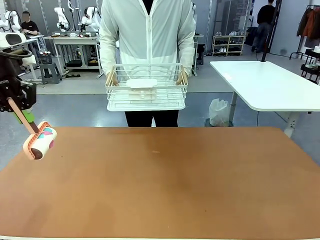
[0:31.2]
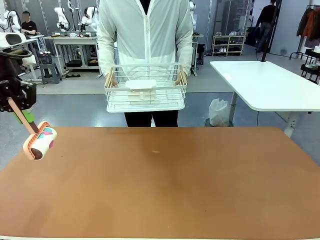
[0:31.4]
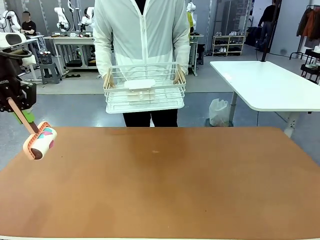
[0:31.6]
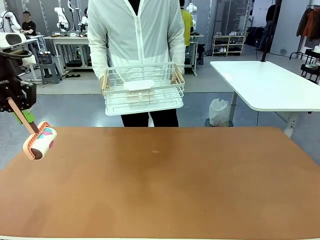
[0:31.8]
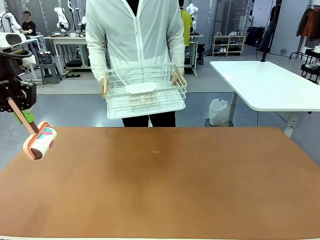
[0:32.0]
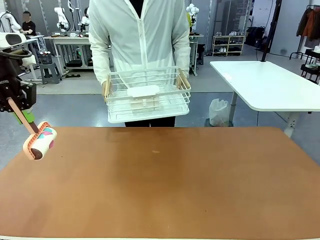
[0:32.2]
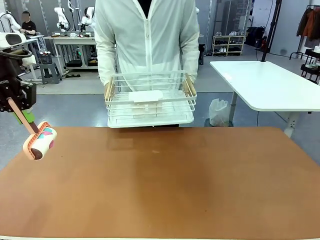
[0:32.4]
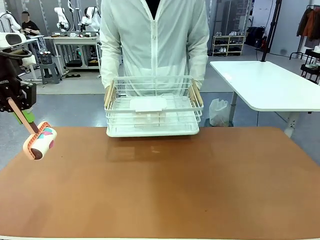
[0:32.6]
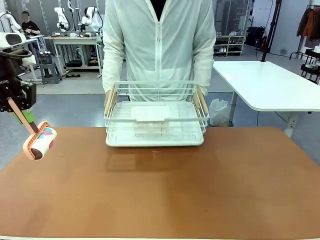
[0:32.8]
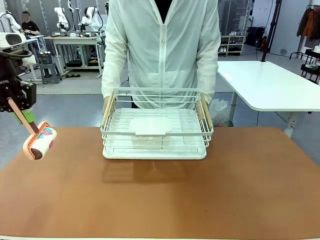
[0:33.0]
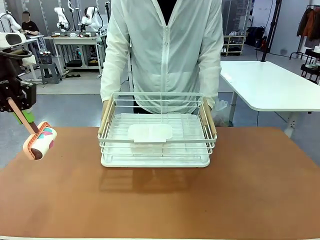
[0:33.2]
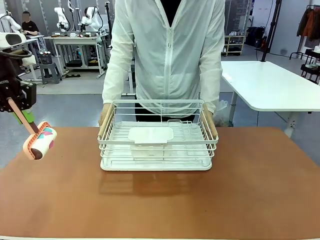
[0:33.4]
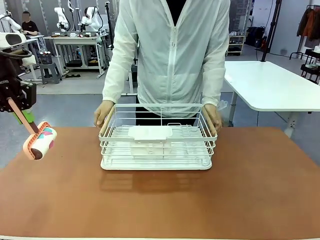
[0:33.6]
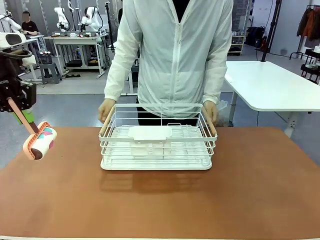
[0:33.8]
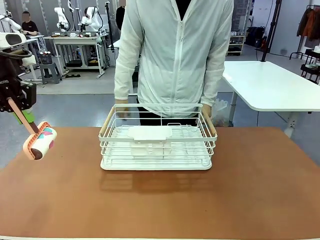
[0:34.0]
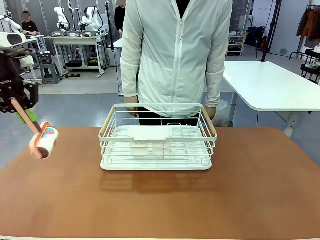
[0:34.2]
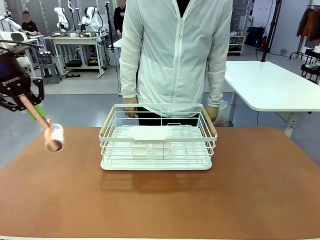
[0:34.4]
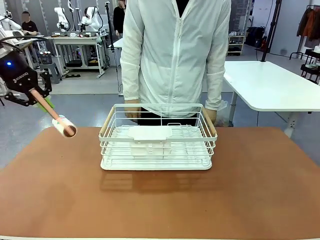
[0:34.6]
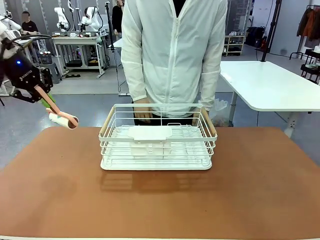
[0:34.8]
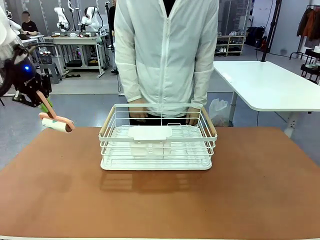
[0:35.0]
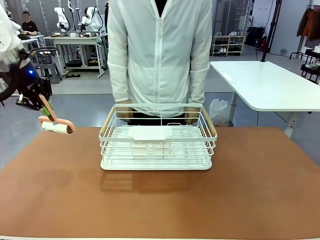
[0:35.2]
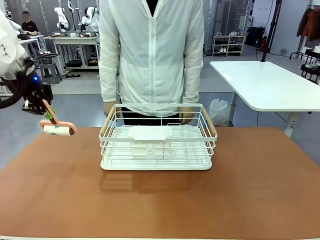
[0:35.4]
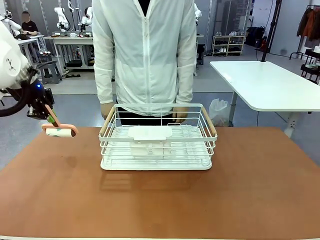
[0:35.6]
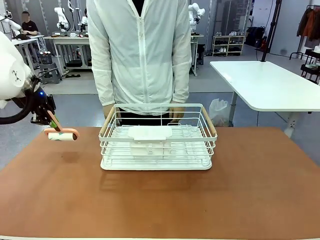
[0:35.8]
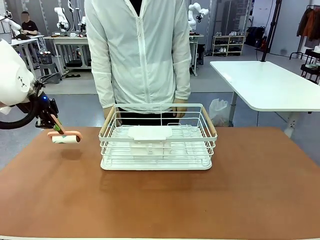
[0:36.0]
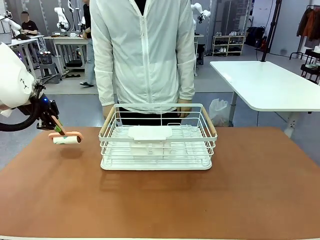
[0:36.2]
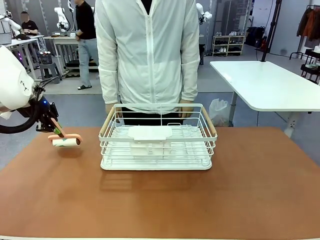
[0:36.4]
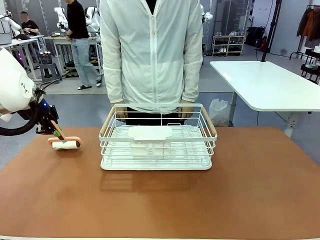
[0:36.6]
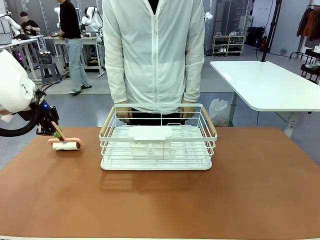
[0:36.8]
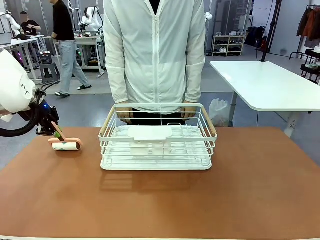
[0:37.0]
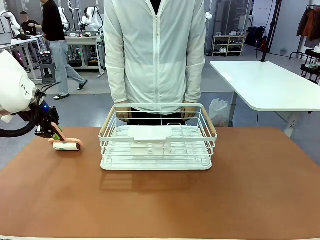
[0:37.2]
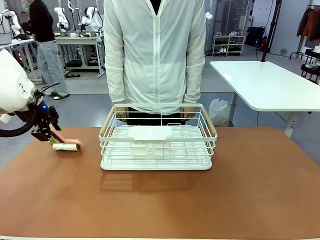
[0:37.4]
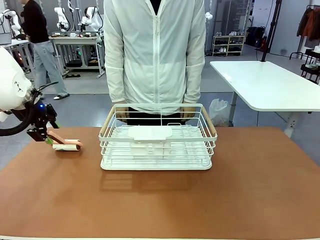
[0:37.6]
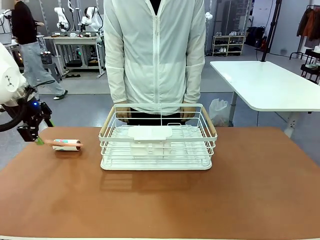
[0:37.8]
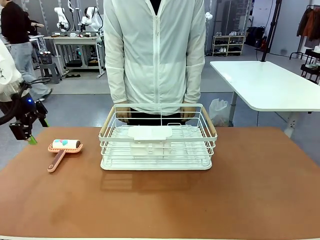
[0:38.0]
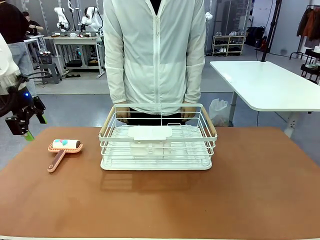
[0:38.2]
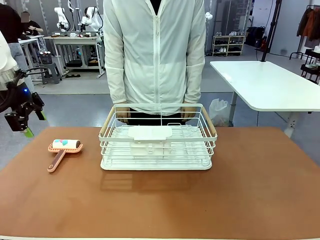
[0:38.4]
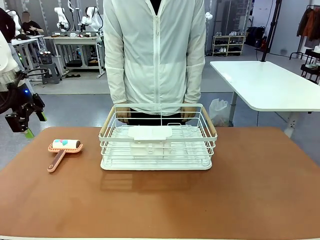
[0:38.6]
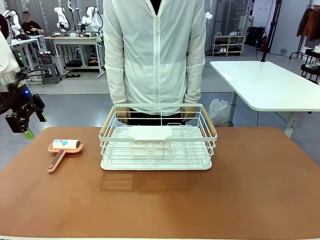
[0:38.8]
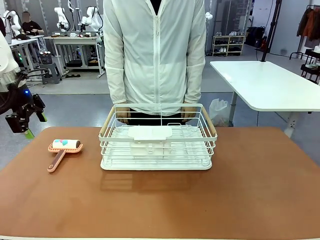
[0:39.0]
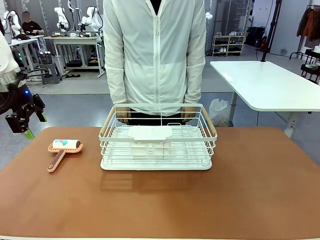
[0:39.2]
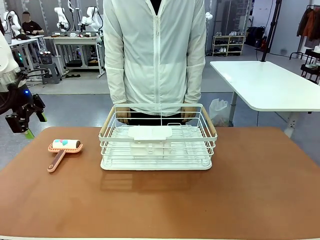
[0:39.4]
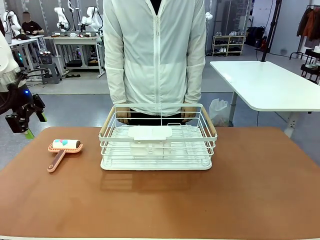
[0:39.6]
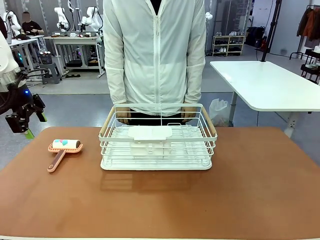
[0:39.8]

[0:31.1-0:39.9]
Task: Clean the table.
Robot: Place the Lint Roller down when the Dish drying rack is positioned in the middle of the table.

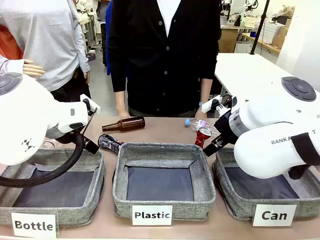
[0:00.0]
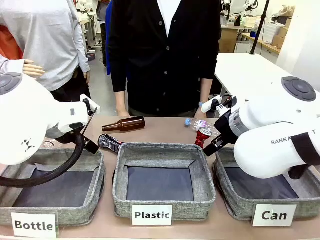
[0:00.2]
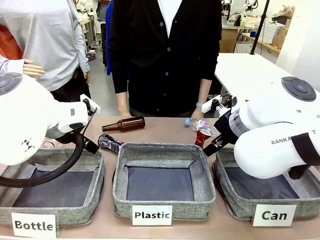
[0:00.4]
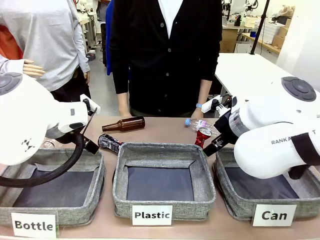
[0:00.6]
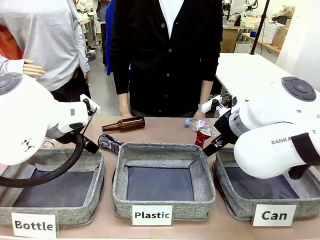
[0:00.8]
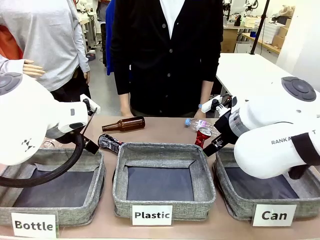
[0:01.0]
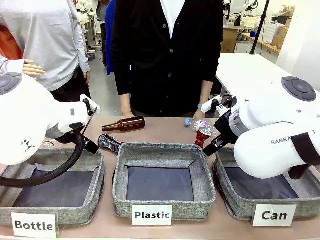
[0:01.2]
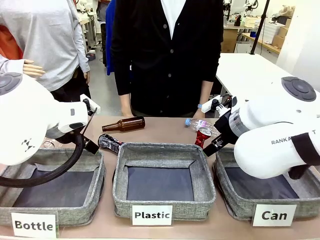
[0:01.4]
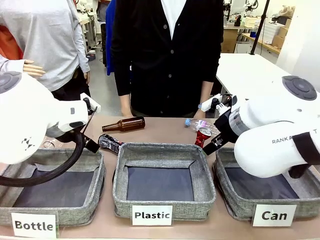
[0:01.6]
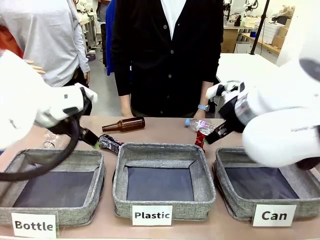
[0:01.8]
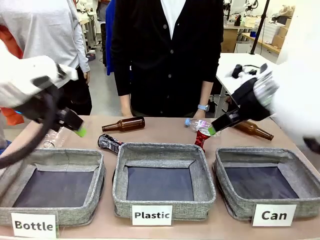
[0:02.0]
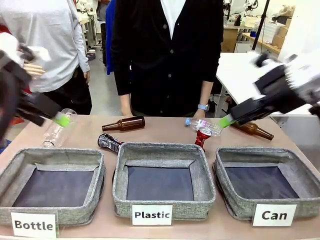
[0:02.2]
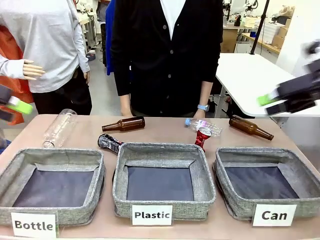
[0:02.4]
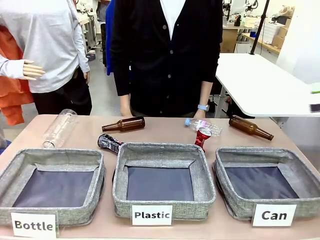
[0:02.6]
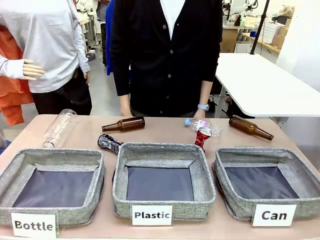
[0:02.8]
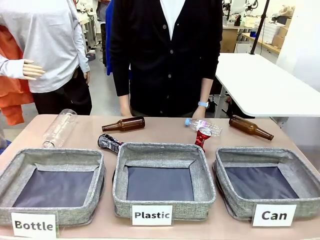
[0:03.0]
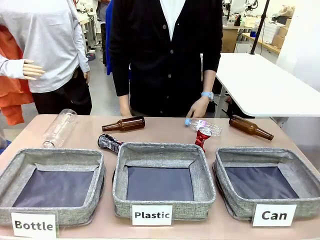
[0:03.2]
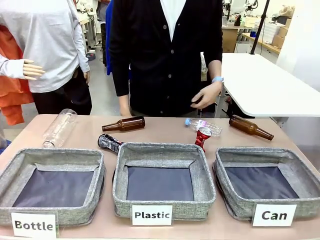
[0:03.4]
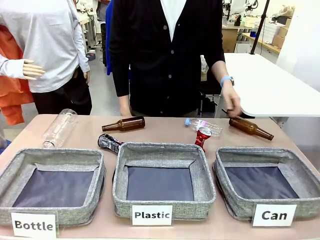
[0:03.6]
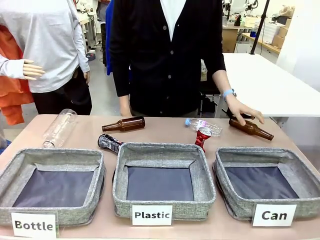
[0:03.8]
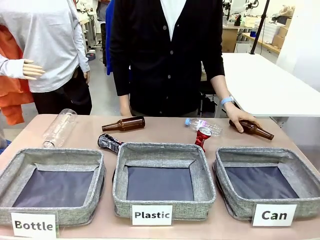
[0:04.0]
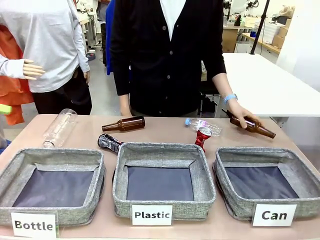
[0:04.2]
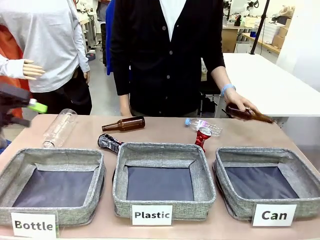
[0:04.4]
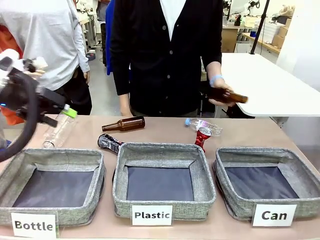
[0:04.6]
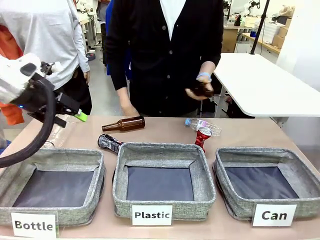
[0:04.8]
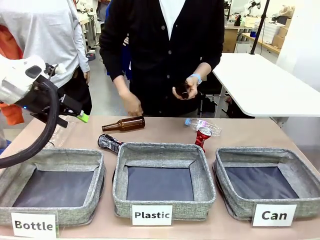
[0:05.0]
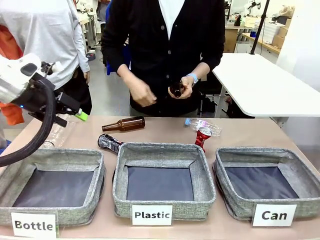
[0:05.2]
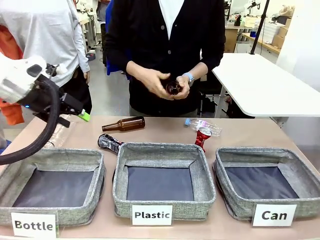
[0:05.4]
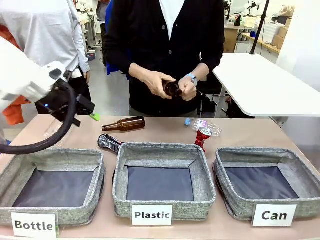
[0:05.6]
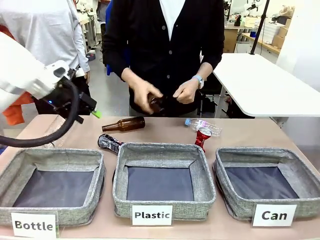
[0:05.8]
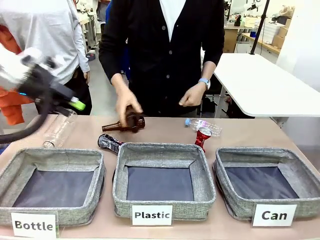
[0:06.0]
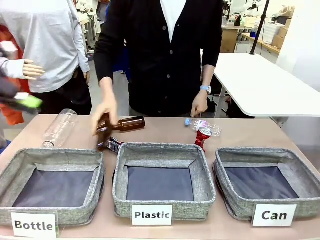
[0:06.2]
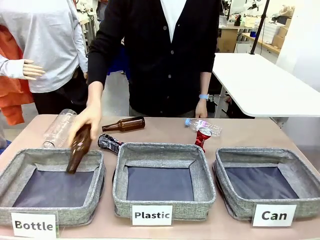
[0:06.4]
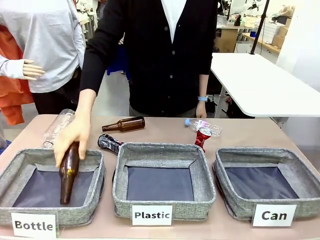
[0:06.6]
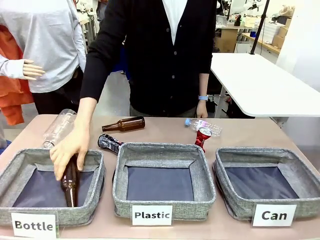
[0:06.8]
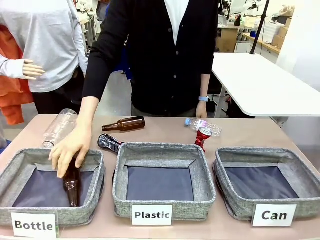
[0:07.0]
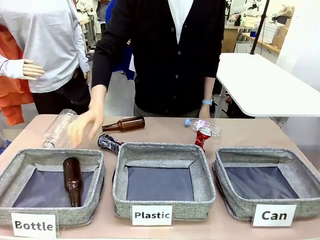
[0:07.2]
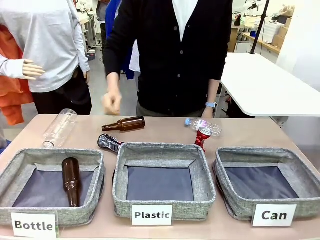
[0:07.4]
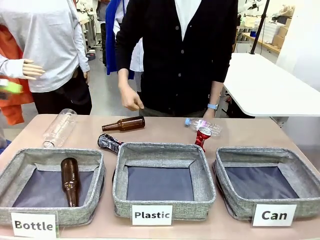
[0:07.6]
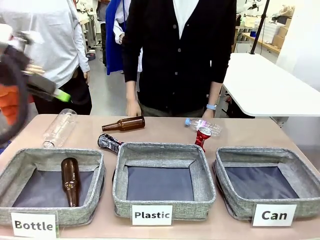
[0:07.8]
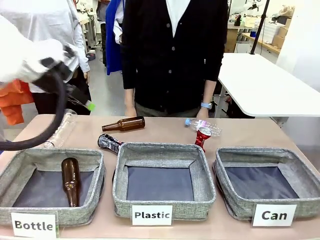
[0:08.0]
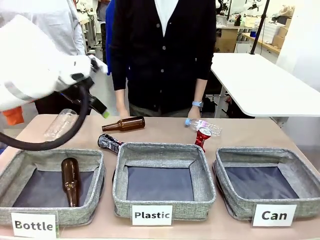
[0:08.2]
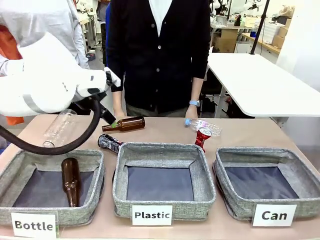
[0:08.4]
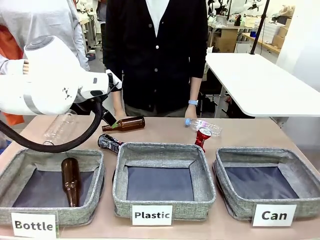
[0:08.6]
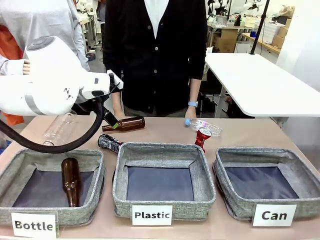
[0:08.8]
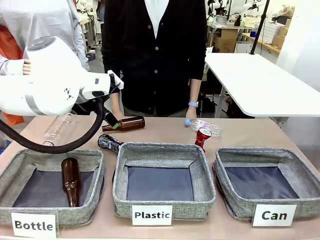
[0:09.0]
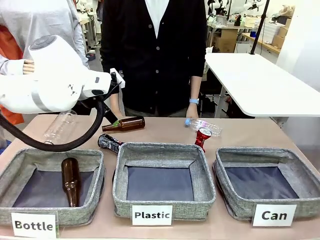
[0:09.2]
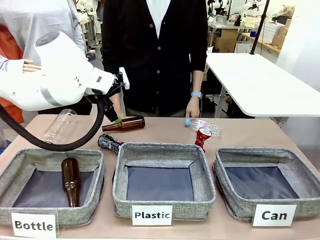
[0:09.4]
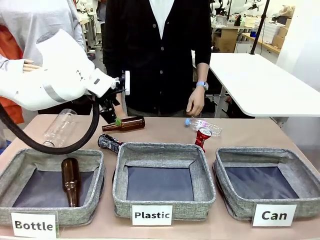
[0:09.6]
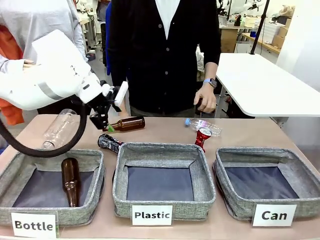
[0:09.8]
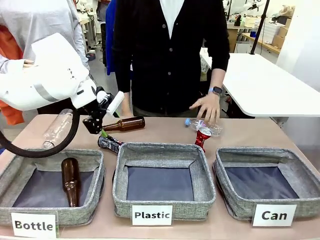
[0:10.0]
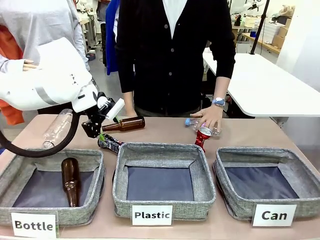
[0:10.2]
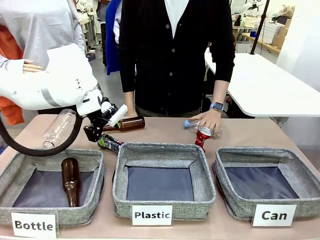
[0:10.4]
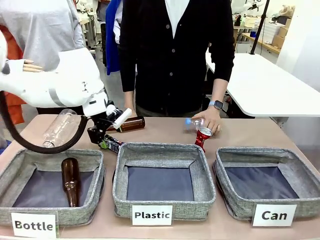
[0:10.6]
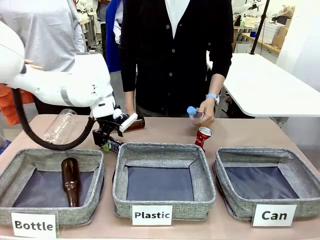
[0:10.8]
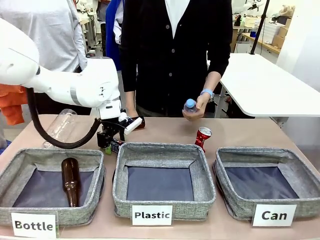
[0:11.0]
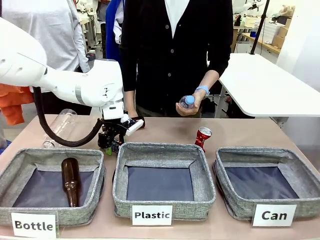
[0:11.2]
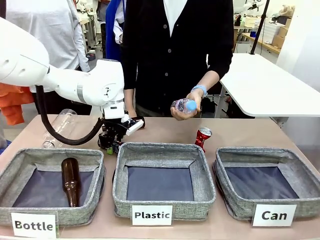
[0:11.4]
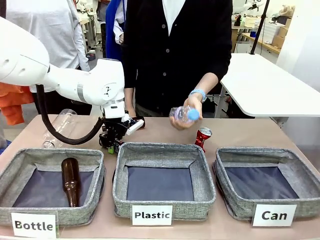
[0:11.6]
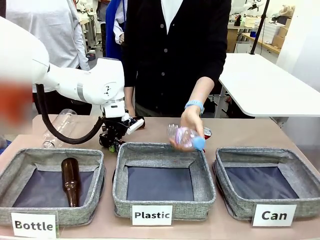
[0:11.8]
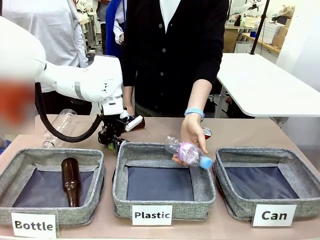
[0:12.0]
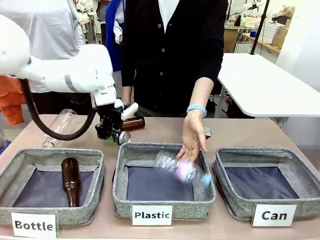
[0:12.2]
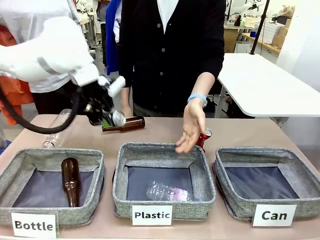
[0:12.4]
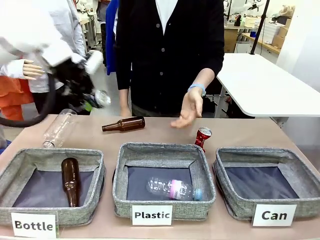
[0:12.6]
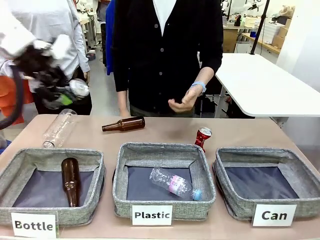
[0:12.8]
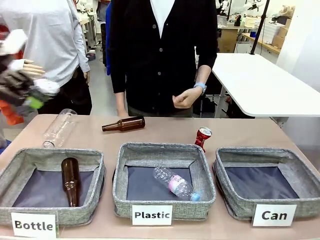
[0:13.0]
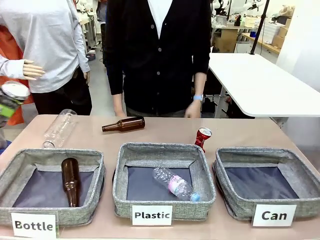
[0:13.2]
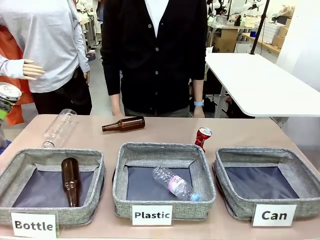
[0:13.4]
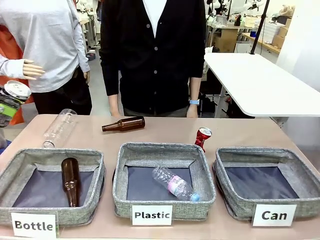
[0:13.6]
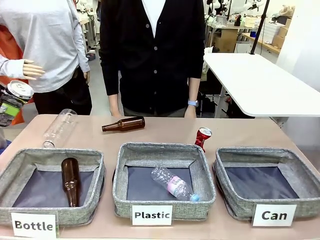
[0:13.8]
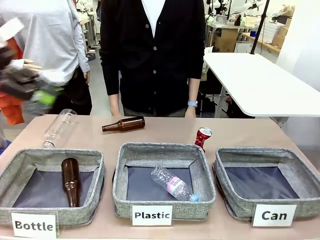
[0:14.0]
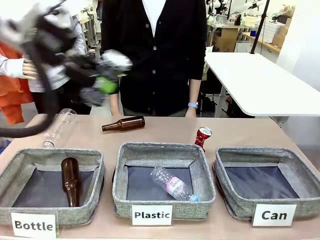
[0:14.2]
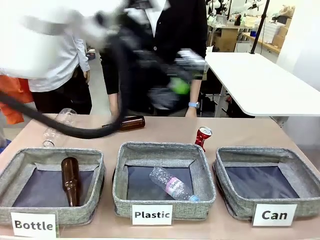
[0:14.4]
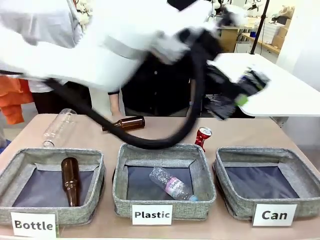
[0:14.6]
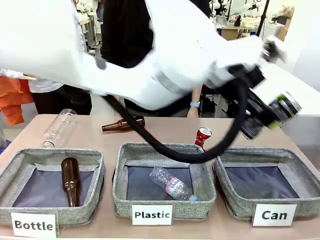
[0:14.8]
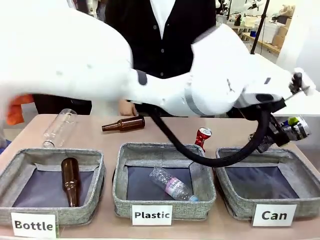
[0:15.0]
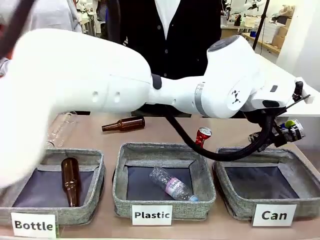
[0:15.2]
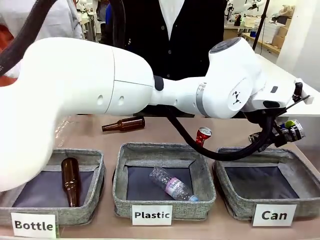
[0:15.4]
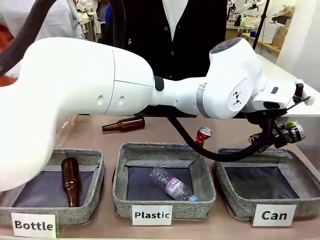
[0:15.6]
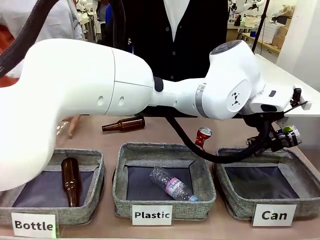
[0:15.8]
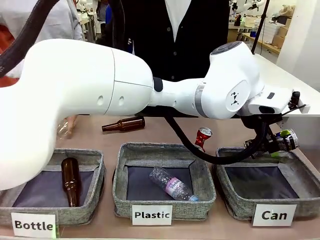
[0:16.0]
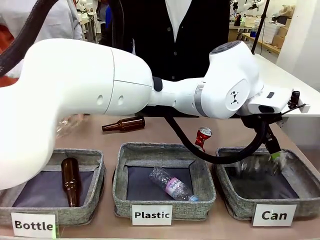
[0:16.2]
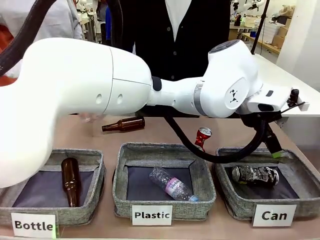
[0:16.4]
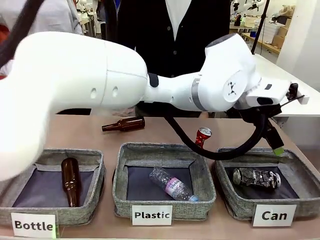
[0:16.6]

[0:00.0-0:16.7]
Task: Sort the can waste into the basket.
Robot: Pick up the can waste from the table and place it in the right Fabric basket.
